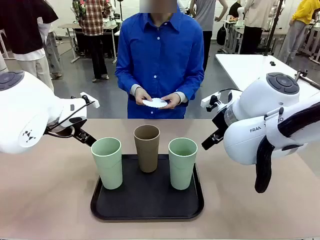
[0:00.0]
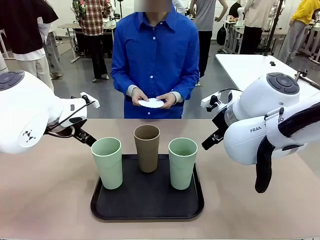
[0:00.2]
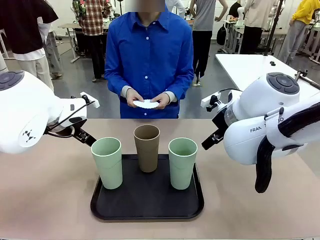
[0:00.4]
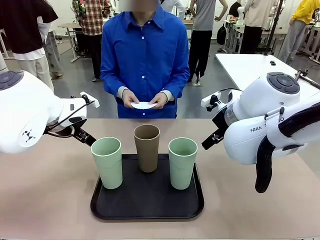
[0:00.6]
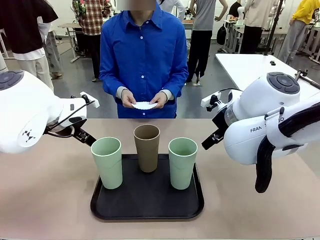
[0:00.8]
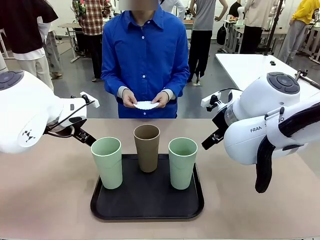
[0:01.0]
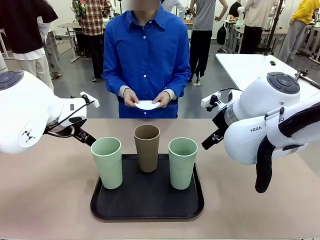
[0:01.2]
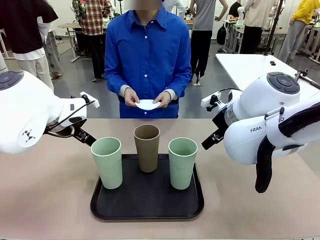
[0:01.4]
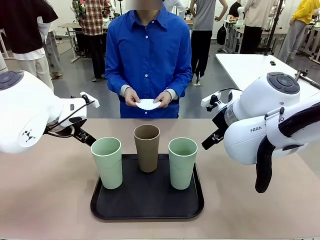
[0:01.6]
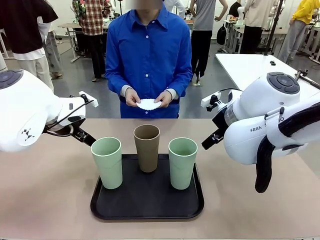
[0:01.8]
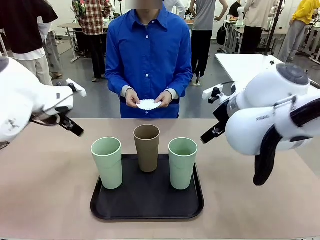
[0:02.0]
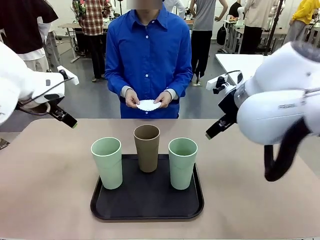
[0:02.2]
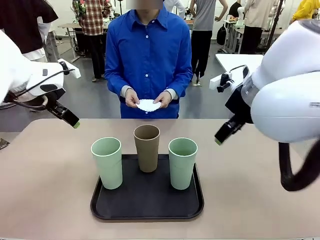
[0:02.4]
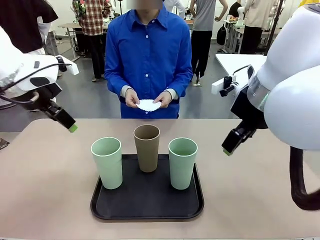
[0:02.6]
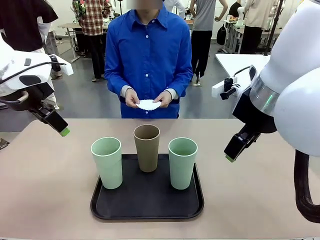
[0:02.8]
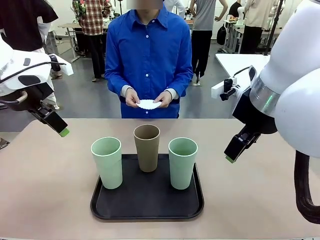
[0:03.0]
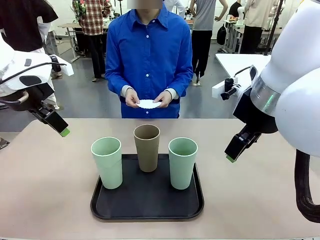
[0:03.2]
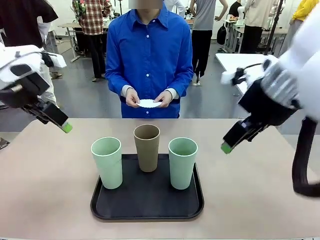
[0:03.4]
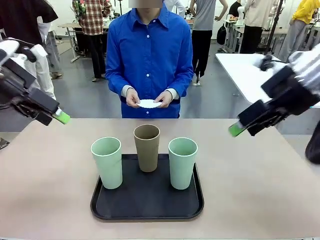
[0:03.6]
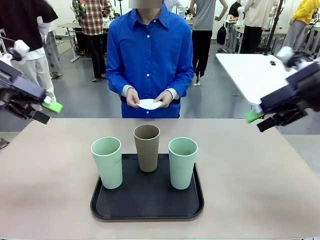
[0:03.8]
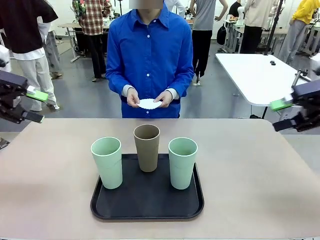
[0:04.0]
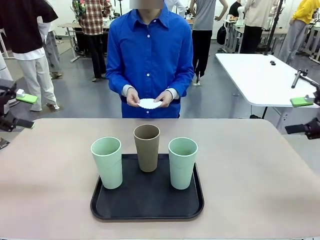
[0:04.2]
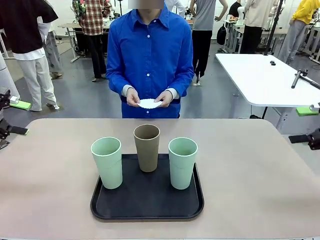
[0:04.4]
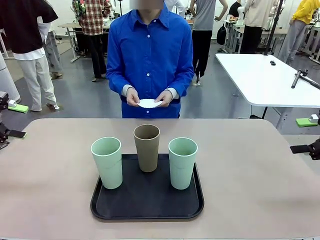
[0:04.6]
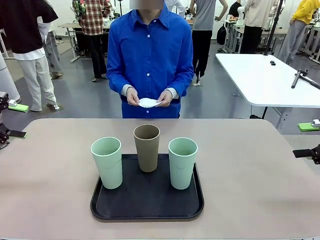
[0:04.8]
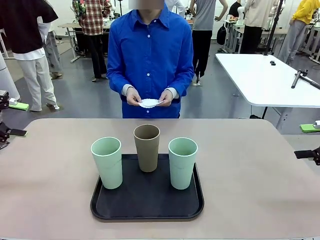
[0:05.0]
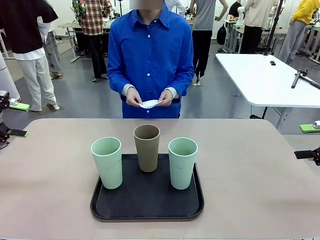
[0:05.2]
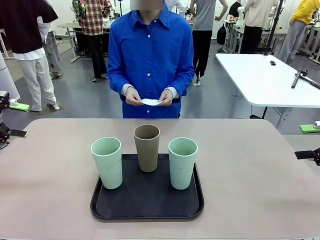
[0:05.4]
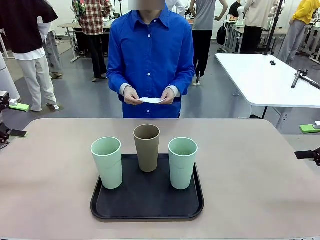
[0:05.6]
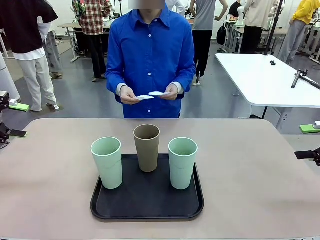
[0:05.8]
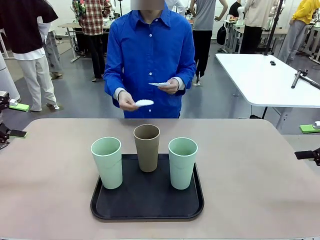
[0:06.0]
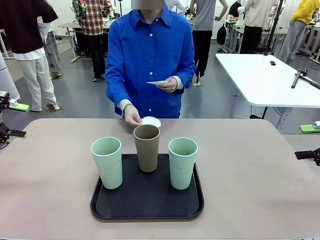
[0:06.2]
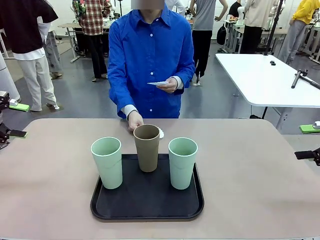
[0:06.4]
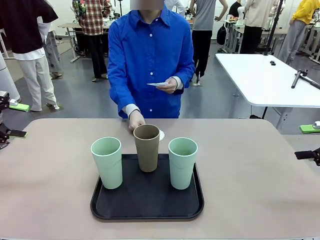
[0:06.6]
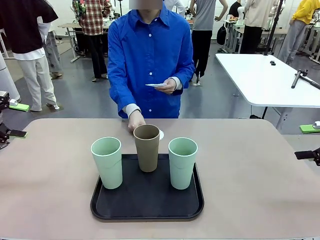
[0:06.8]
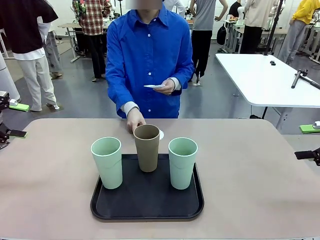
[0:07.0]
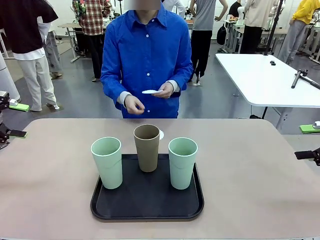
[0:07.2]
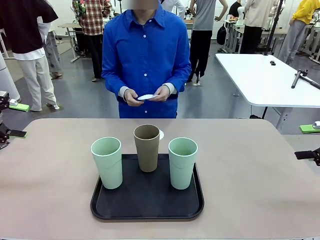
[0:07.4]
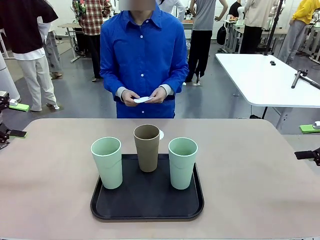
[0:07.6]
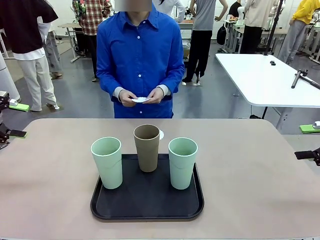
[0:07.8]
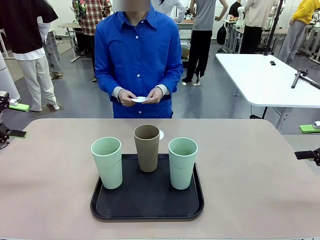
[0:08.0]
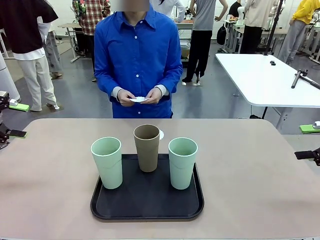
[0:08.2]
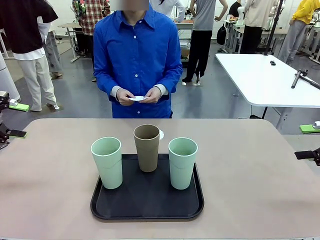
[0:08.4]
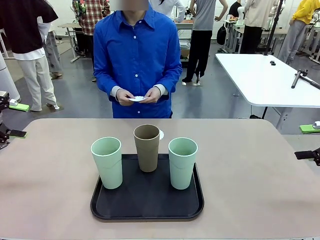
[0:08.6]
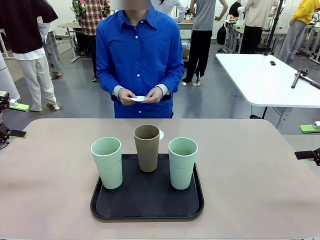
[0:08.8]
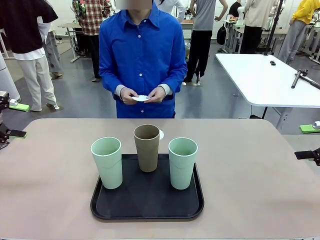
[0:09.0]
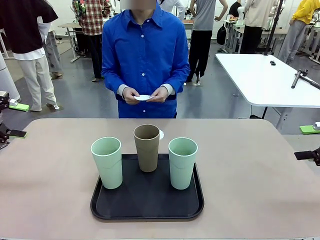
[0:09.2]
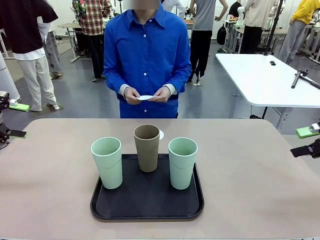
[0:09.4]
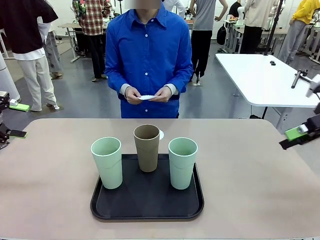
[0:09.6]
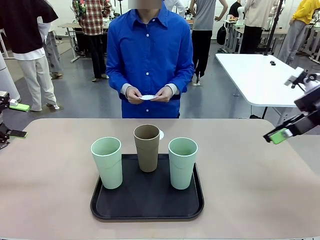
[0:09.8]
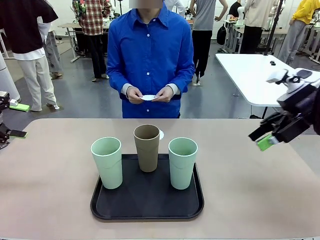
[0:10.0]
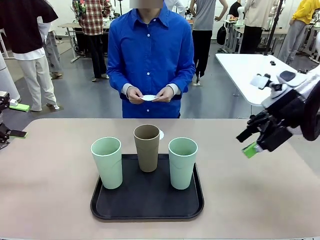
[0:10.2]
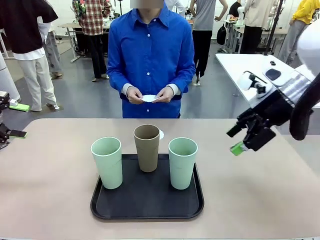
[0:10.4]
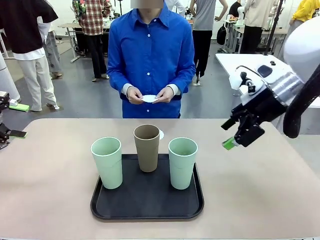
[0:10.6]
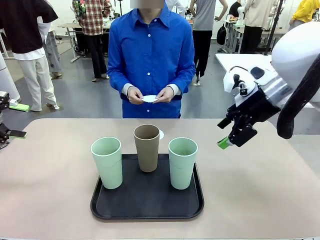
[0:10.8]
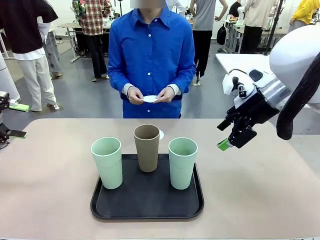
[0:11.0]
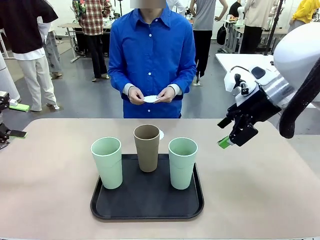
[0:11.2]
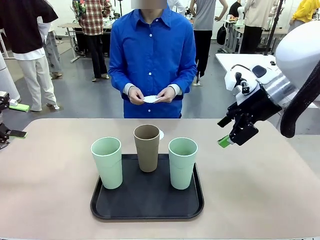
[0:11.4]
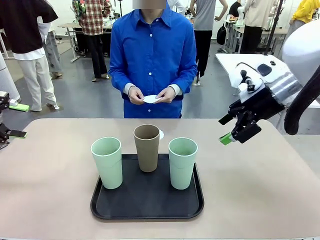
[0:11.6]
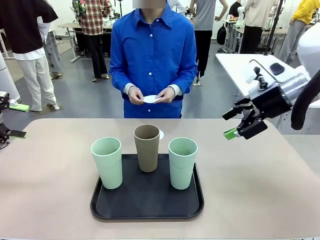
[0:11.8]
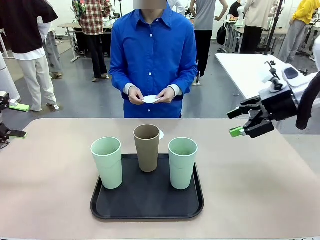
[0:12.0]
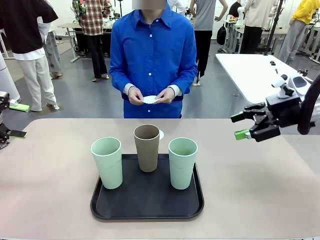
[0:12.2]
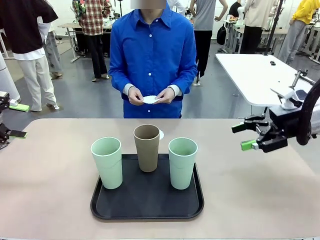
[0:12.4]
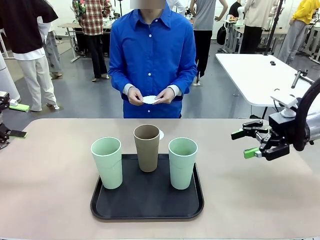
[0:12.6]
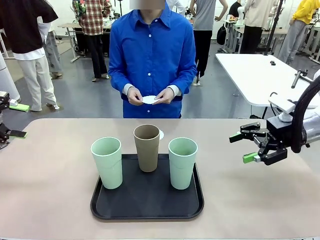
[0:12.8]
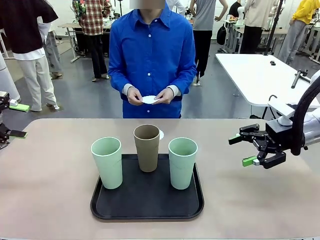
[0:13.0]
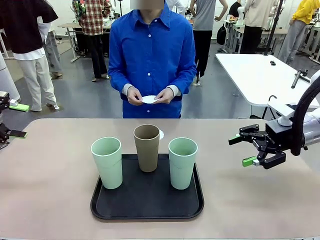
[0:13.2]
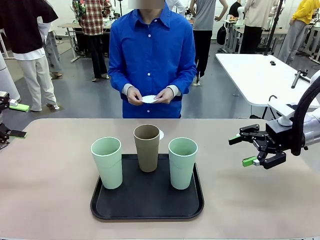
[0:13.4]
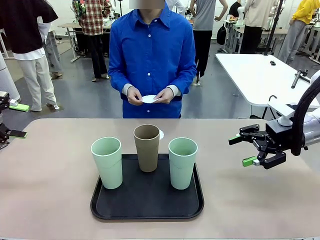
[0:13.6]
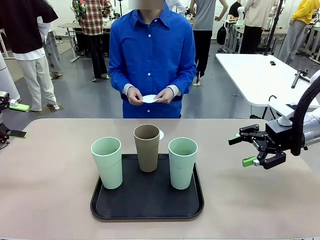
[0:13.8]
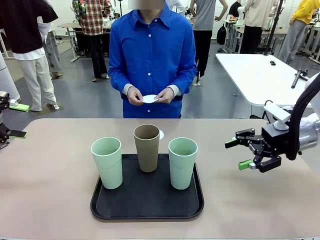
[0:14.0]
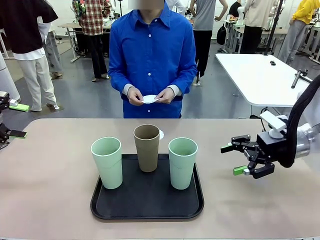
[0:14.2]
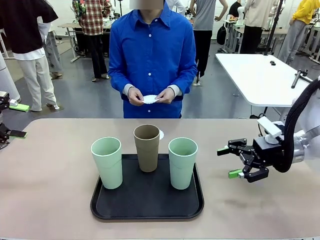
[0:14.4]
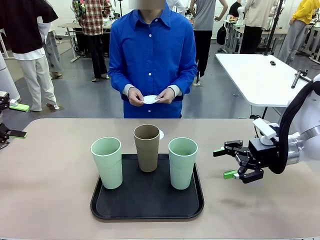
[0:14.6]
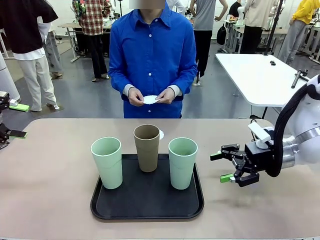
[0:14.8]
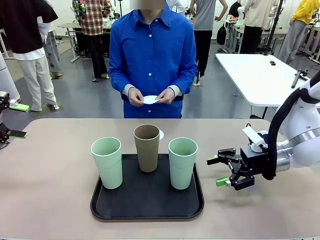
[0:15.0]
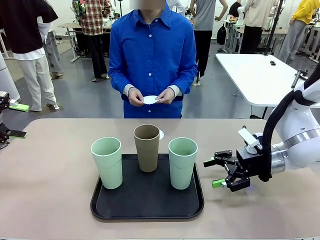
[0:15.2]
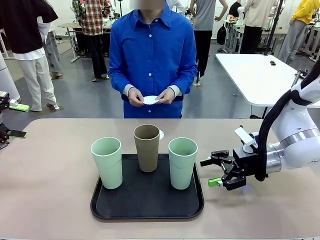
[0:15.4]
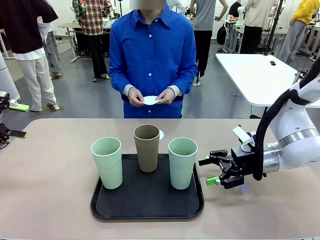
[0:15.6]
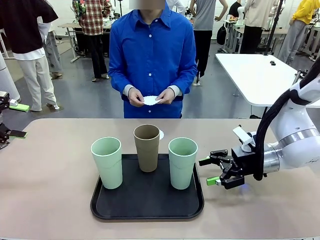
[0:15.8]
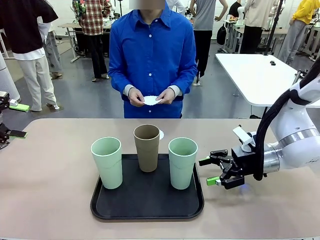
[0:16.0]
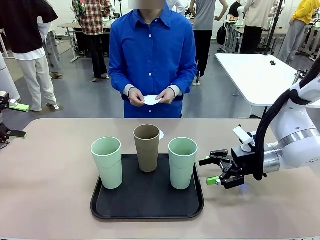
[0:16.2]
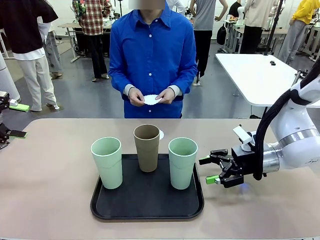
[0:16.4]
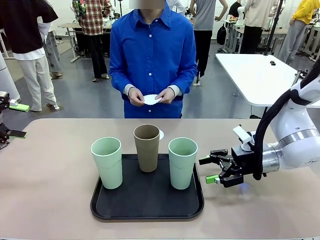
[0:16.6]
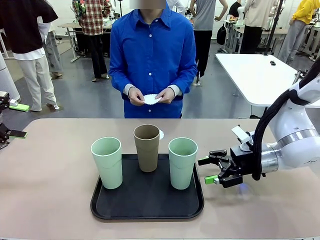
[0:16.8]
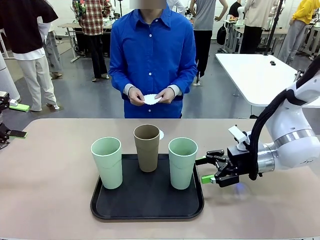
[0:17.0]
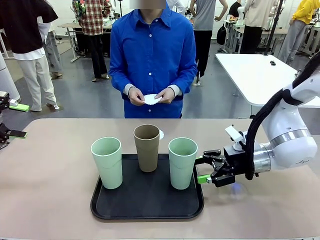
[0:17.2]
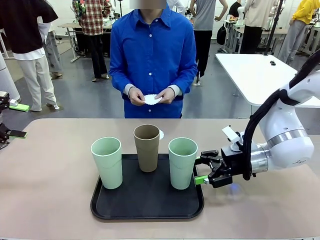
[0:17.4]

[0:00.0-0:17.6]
Task: Place coasters on the table and set cups on them.
Robot: Pick up one Reusable plastic cup and place it on a coaster set by the human.
Person: Place one coaster in any one of the three lower areas of the robot table (left, center, or right).

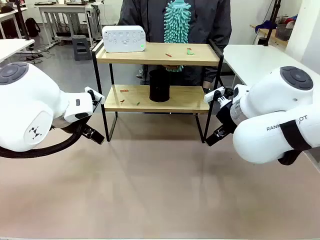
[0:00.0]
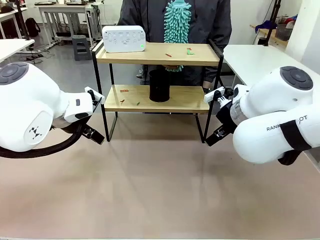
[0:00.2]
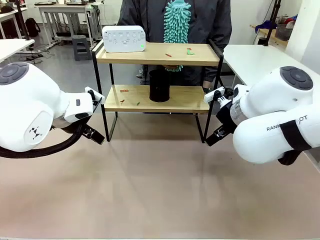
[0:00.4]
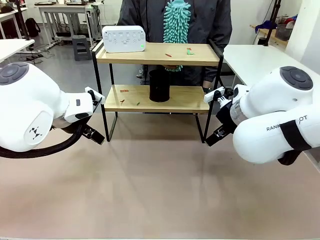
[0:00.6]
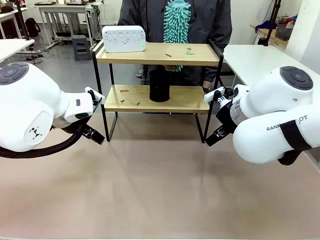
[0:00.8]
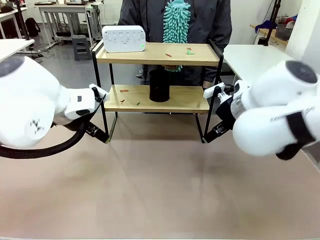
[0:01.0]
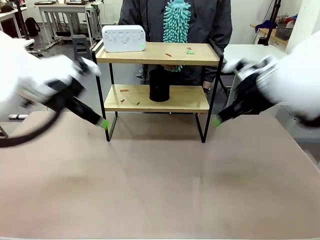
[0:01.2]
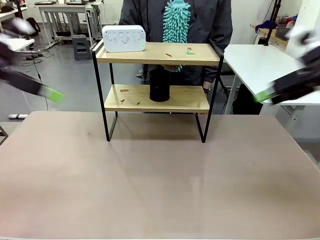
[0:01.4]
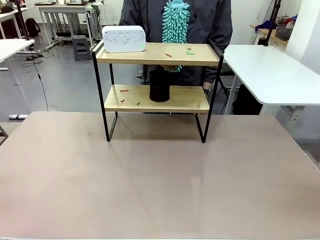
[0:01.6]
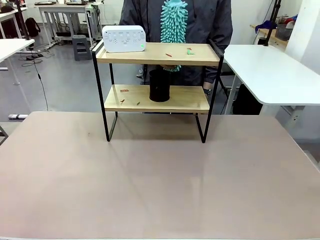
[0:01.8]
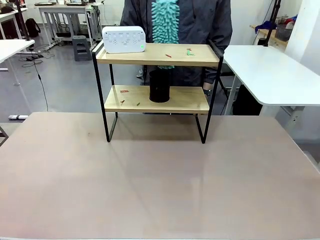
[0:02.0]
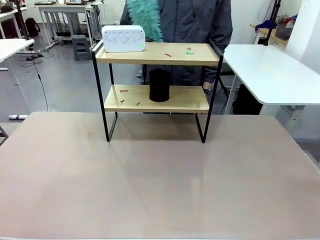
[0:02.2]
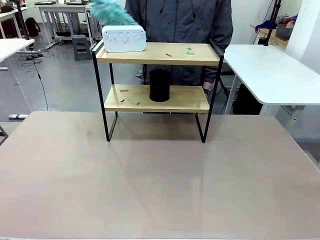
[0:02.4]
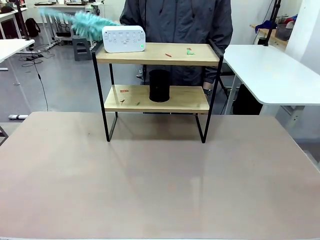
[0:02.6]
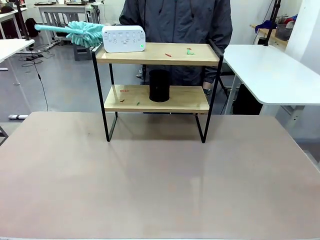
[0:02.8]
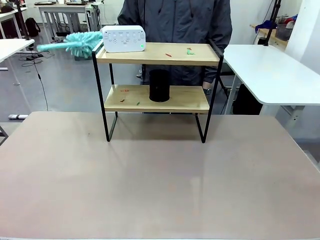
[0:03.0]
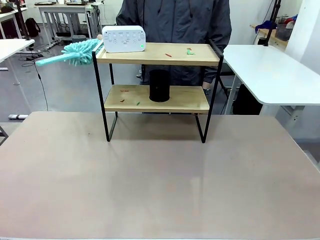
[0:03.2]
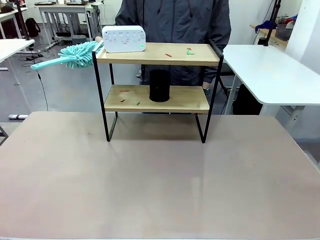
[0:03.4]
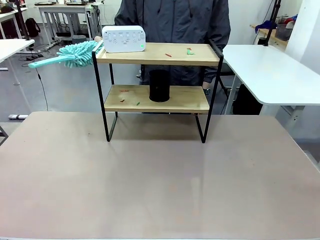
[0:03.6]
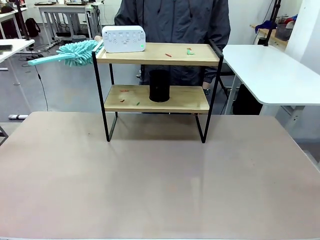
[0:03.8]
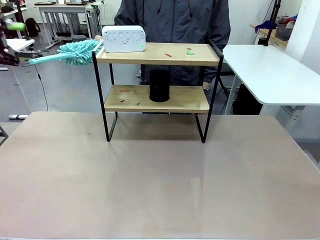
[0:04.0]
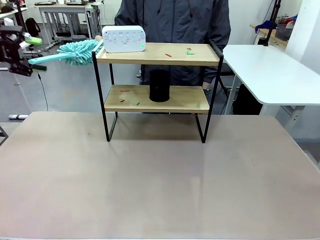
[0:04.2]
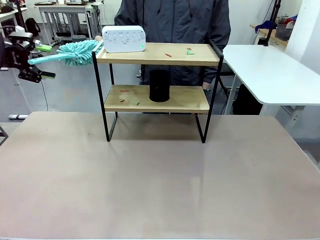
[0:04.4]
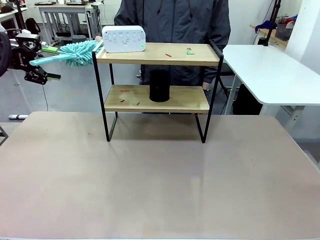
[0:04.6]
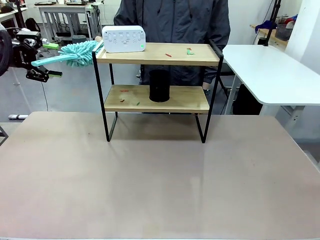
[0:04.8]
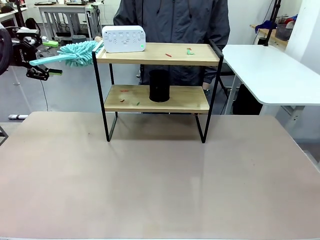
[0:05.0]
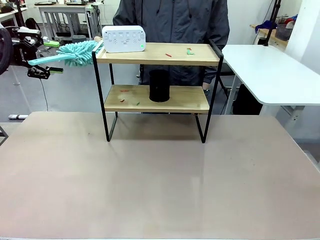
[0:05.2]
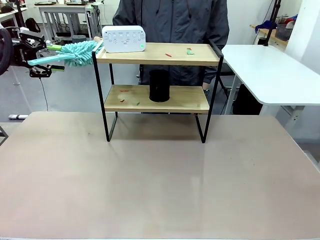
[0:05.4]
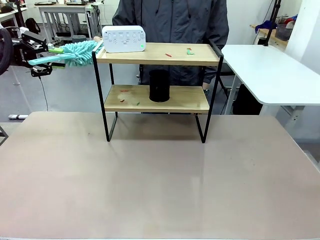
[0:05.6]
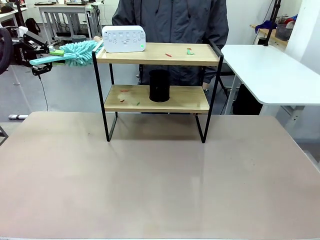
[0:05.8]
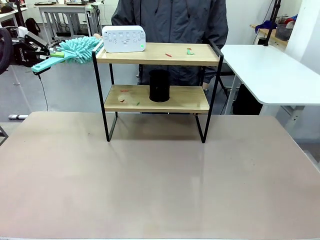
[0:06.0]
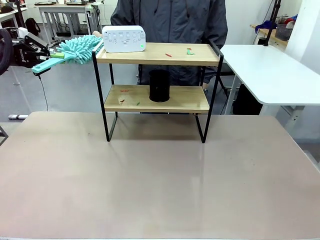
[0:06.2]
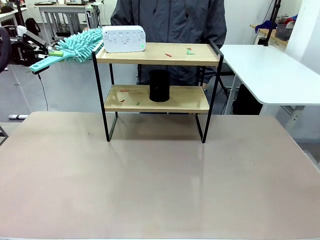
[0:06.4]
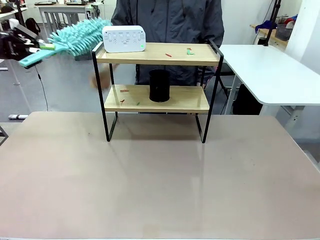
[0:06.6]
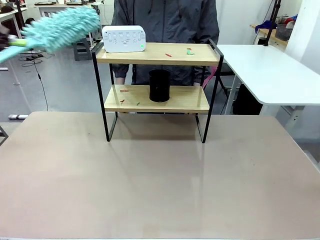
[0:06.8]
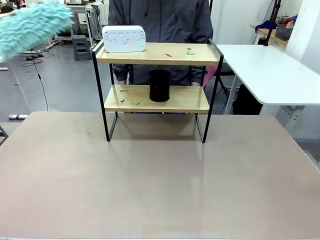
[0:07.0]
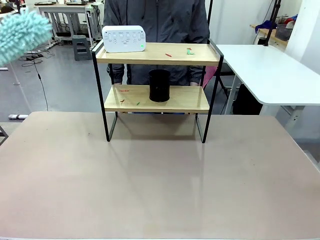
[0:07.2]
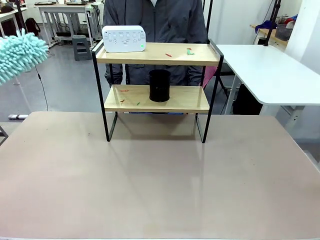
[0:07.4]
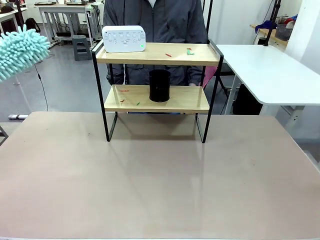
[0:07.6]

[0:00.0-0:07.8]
Task: Clean the shelf.
Robot: Pick up the Duster from the human.
Person: Hand the Duster to the robot.
